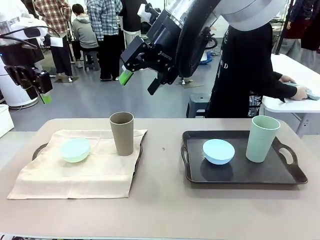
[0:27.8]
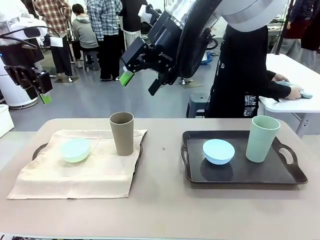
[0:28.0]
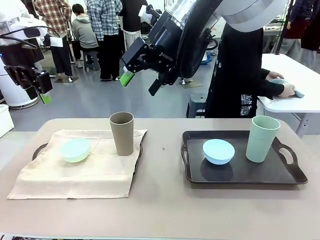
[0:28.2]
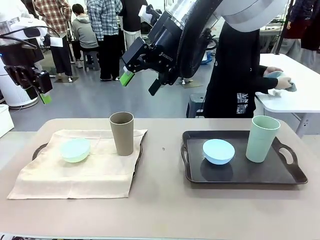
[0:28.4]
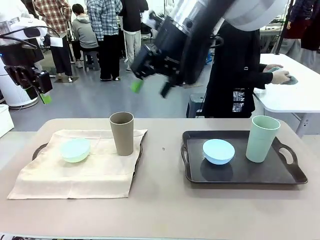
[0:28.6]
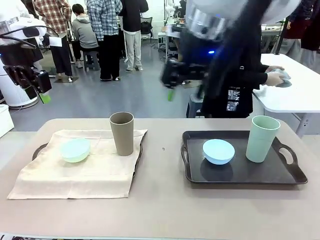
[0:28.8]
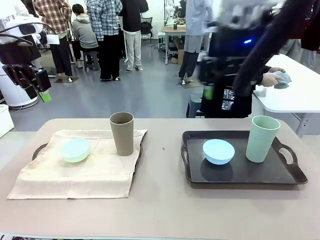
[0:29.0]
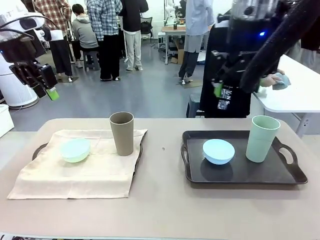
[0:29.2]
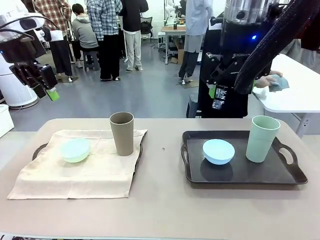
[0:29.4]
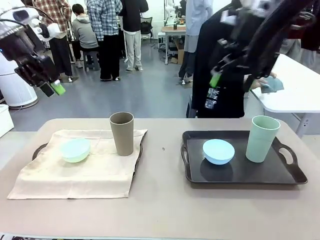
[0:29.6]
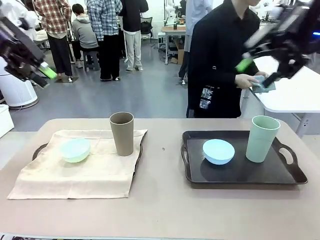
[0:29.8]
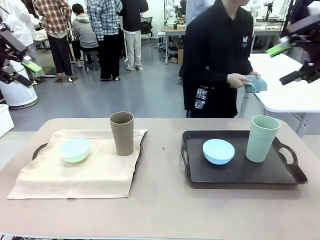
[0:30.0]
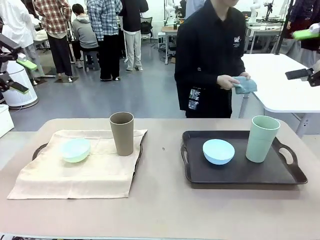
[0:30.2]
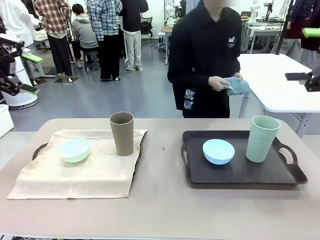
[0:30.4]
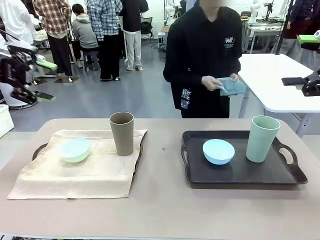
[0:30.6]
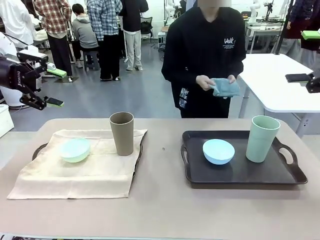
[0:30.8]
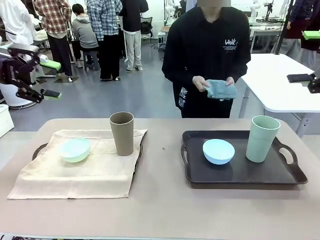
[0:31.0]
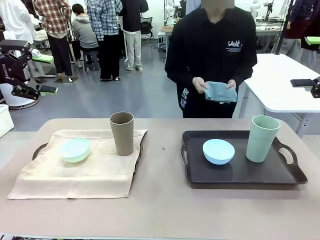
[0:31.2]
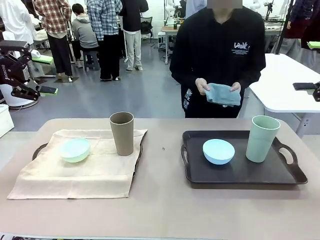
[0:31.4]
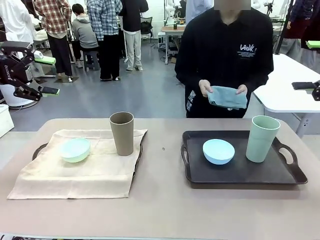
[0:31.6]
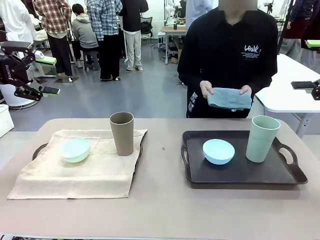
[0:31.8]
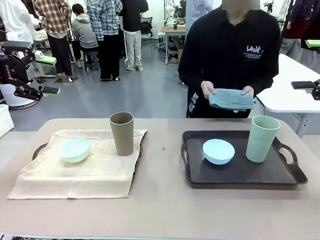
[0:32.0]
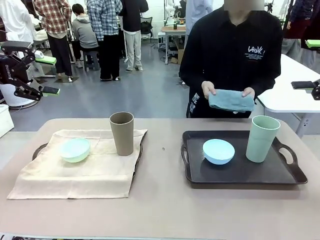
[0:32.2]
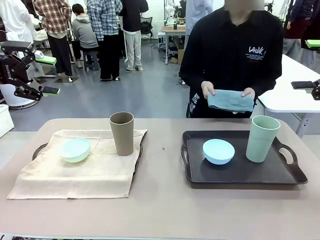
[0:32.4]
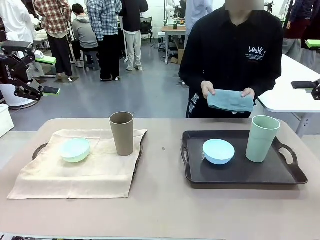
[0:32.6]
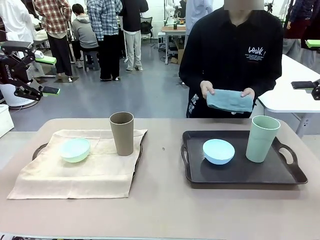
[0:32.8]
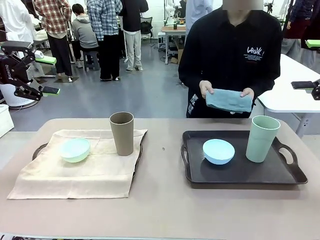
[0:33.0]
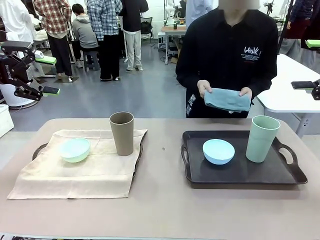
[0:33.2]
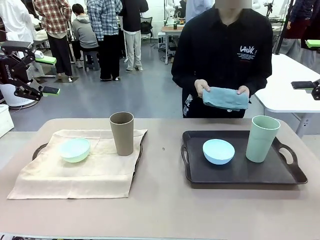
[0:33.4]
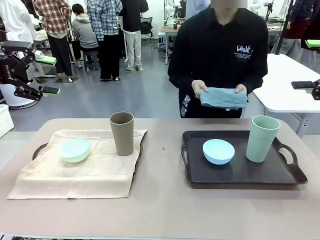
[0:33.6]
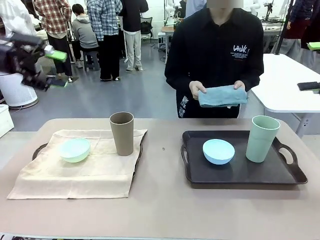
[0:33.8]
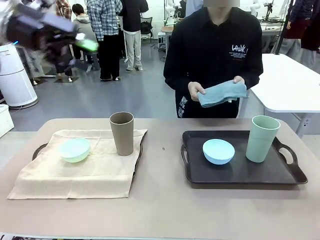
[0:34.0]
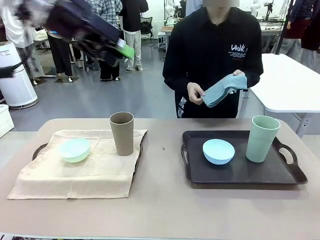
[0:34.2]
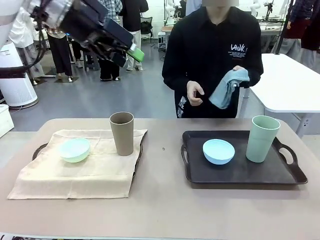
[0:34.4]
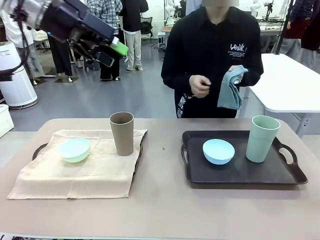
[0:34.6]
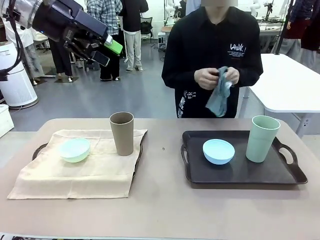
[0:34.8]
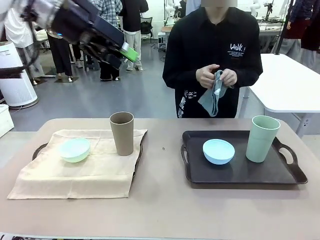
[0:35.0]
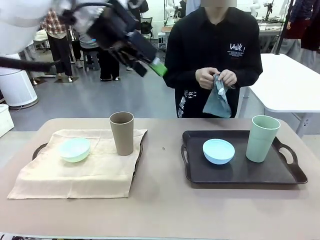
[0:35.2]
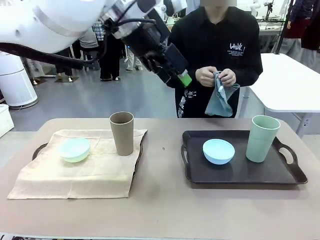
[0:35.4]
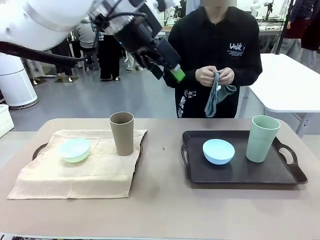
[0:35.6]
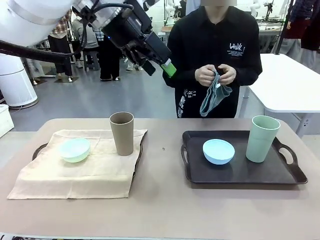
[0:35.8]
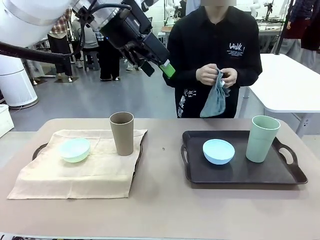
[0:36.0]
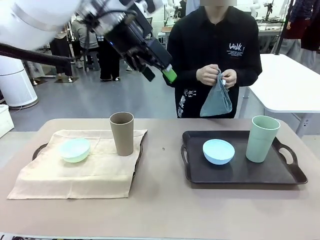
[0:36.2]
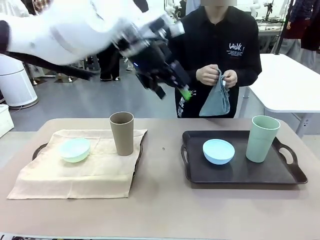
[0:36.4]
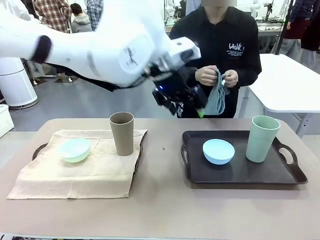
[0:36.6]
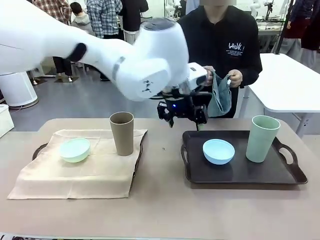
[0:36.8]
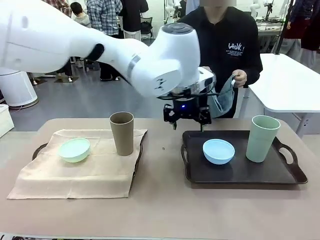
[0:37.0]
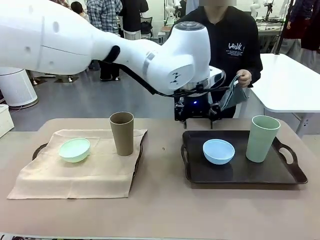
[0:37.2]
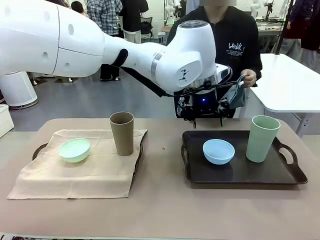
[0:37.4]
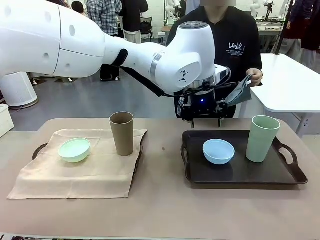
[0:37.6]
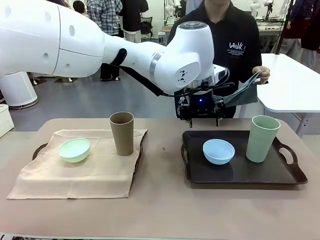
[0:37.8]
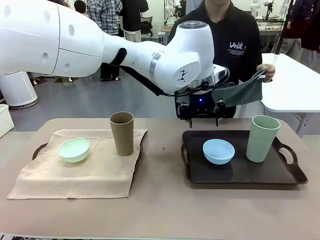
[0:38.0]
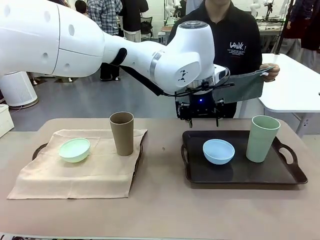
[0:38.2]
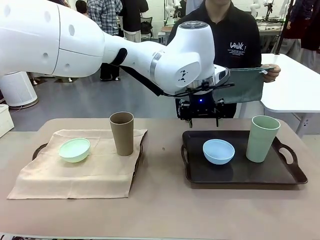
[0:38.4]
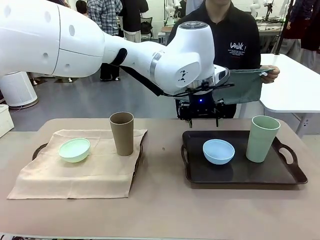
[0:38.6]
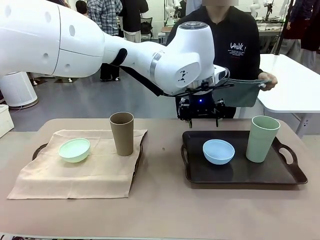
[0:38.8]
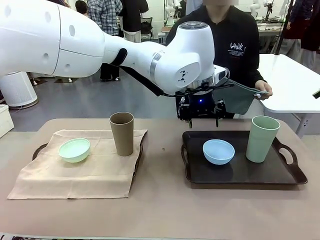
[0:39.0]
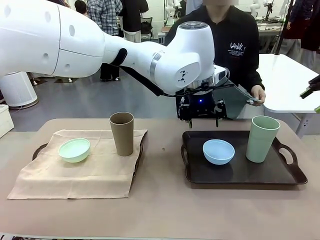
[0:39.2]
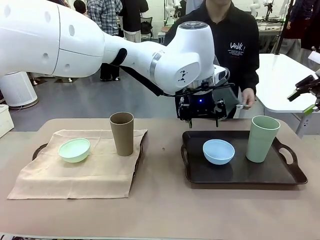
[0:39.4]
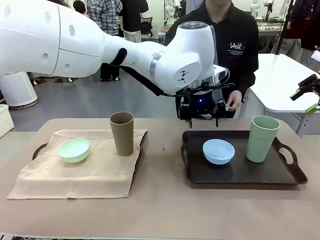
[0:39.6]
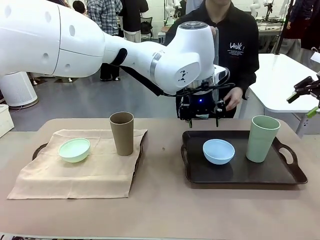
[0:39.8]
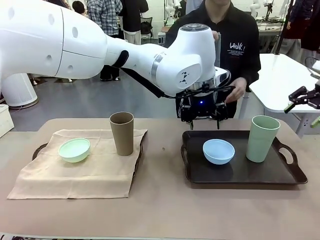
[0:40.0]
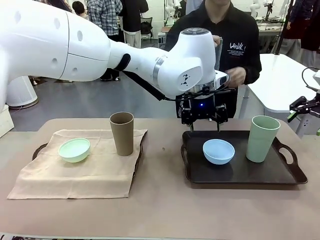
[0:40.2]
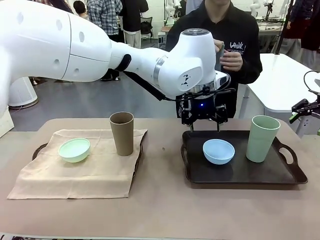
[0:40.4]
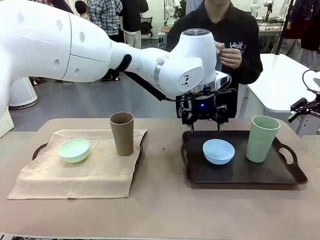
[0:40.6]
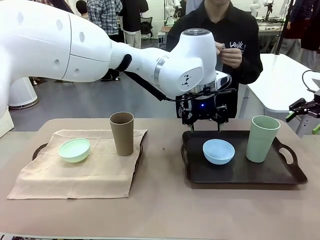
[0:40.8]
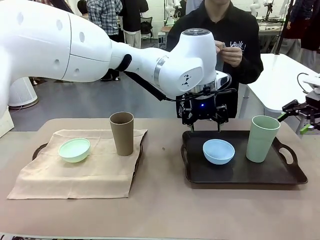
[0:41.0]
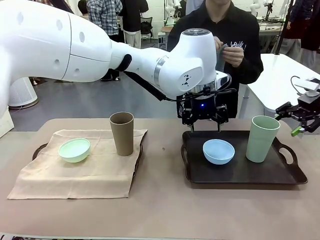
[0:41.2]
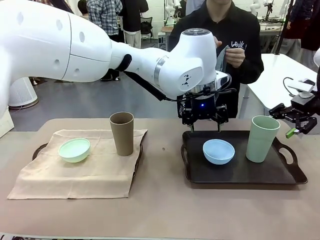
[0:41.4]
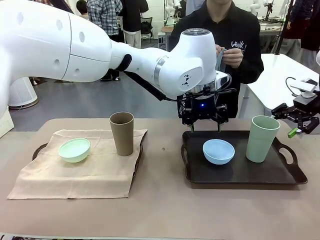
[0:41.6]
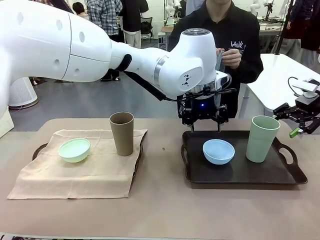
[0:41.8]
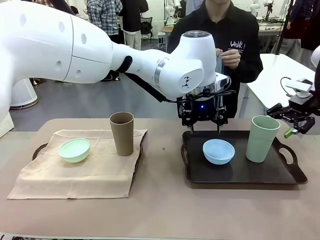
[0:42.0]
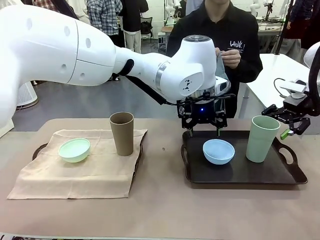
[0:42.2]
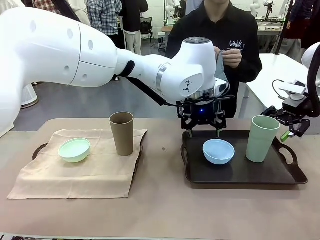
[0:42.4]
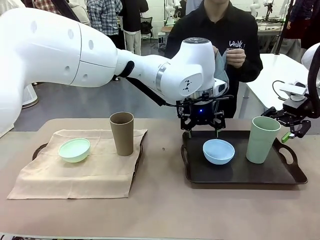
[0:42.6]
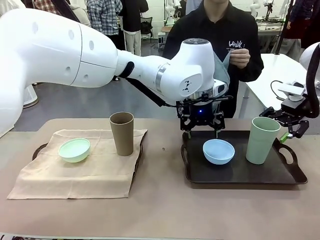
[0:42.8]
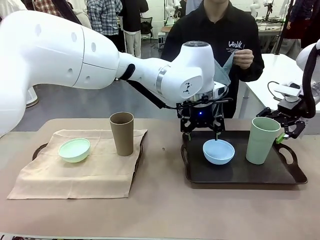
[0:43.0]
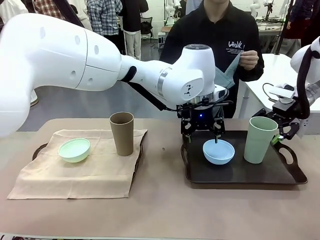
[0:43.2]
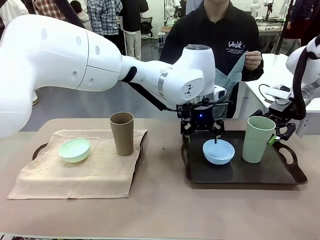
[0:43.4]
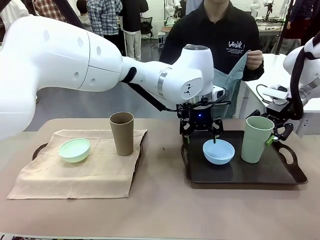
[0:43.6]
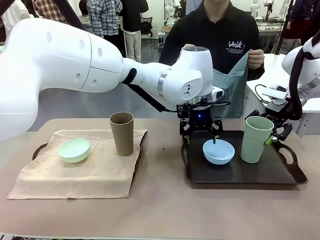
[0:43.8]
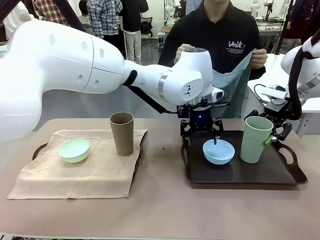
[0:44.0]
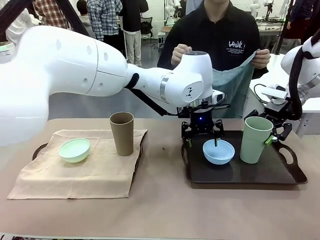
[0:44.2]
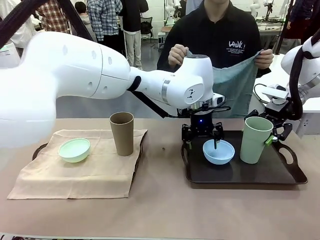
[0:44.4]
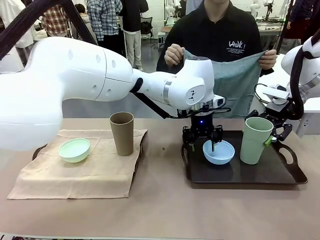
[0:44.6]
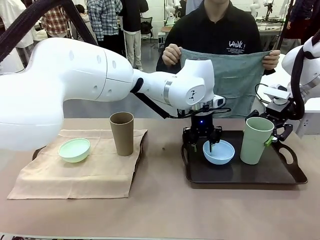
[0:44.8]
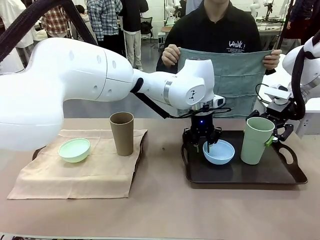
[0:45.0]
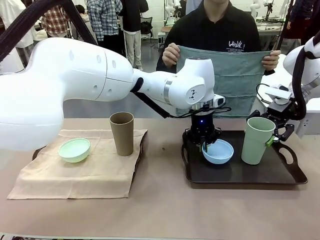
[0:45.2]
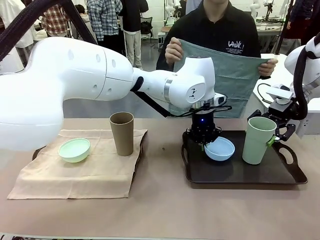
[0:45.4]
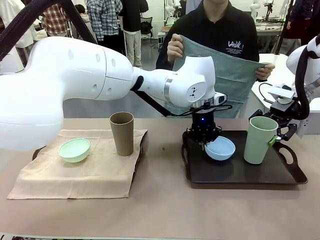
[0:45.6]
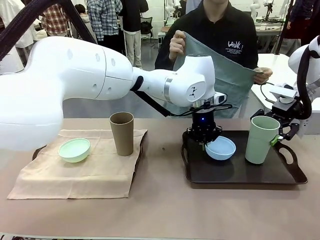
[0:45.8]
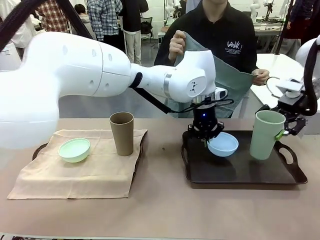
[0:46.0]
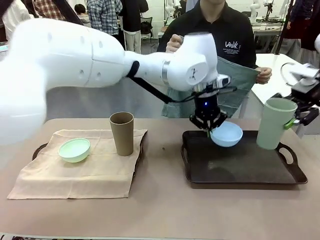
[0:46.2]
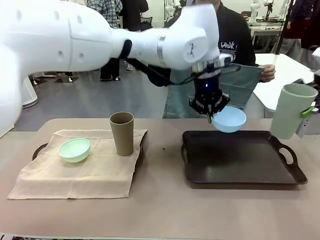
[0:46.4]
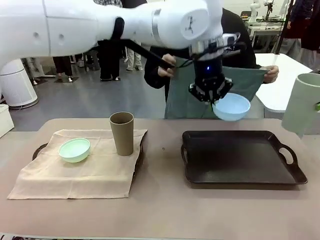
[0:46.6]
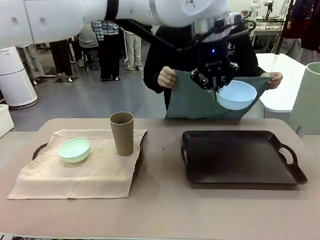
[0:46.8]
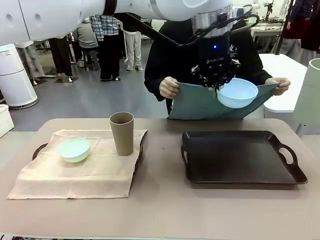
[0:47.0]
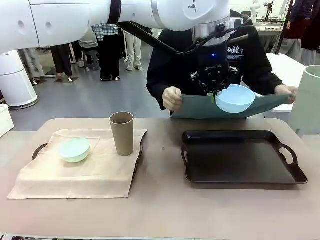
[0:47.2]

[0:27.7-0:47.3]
Robot: Pick up the Picnic Bowl and Reusable plastic cup from the Handle tray in front of the human's position and hold them in the air.
Person: When the robot lifts the bowl and the cup, the human unfolds the napkin and lays the napkin flat on the tray.

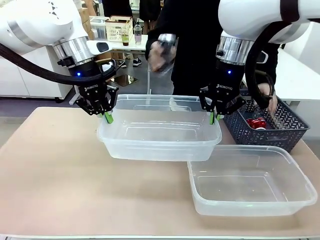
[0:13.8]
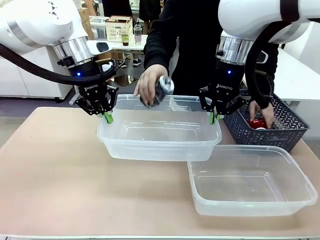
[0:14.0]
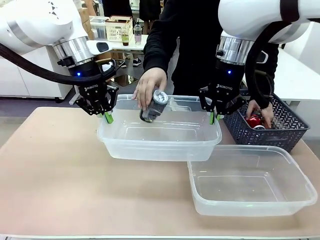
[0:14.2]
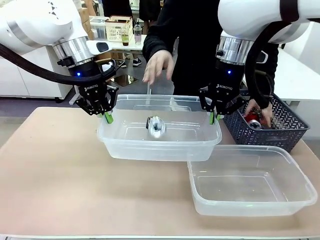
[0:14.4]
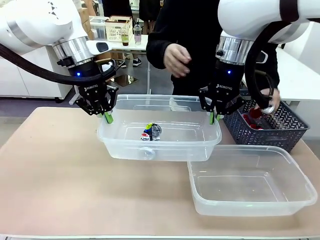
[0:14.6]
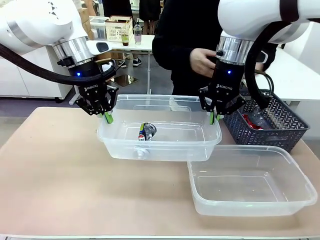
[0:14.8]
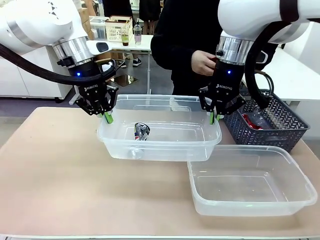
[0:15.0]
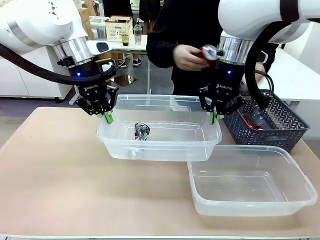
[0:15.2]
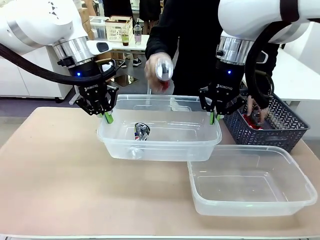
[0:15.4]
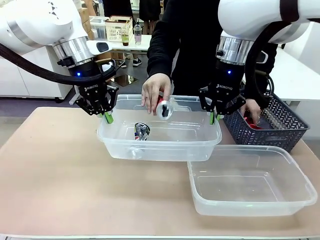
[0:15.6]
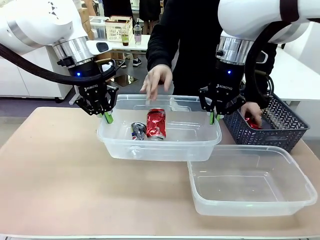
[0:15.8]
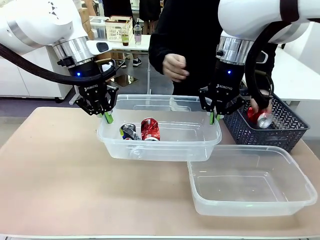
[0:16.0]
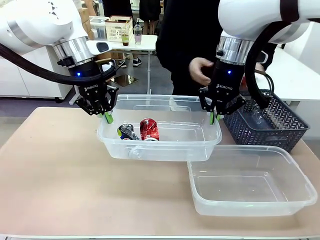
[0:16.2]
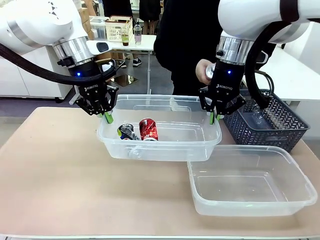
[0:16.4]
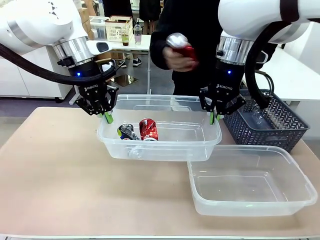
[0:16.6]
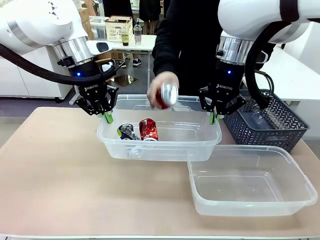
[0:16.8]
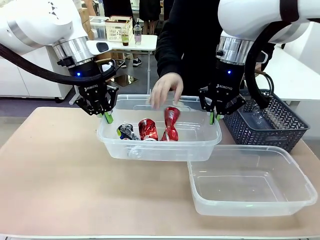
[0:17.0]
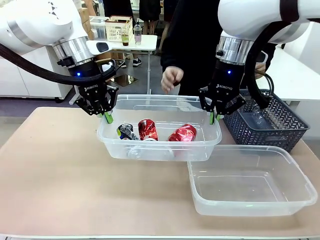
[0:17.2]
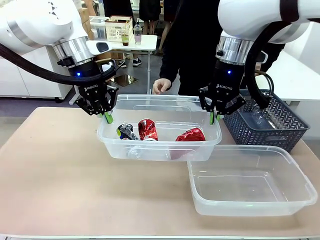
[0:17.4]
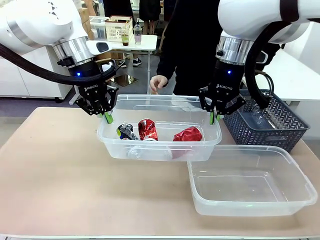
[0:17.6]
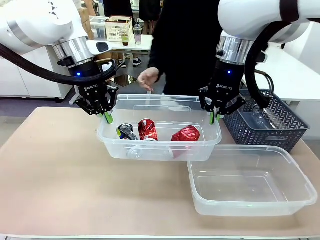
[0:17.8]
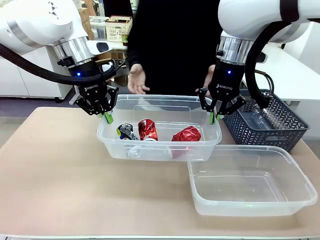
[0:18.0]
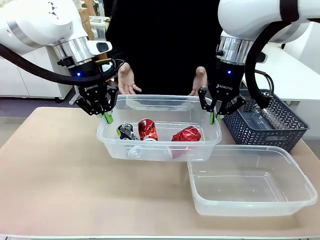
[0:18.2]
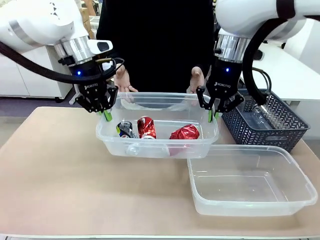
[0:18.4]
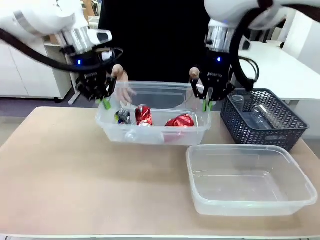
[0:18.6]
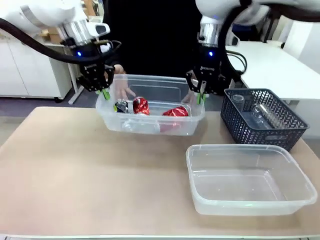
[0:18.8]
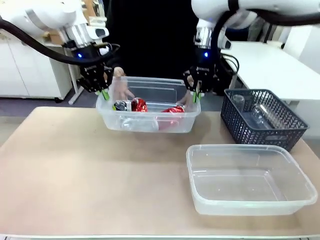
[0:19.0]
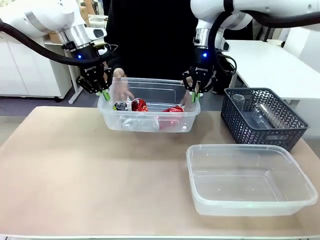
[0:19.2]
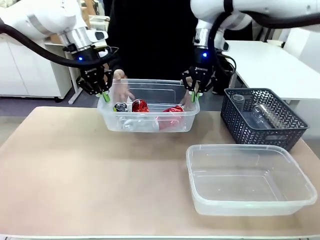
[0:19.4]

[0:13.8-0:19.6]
Robot: Offer the picked Organizing box to the human.
